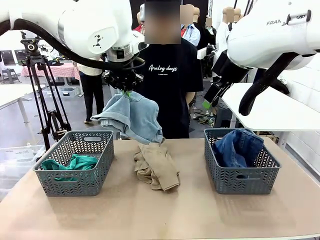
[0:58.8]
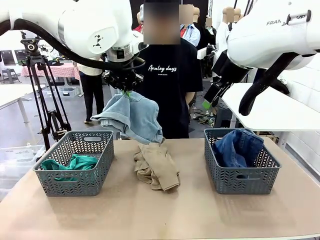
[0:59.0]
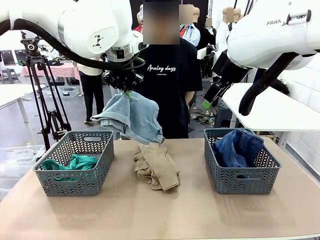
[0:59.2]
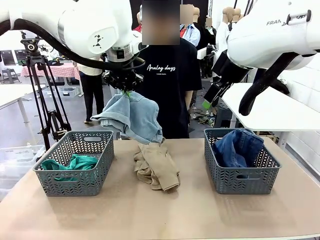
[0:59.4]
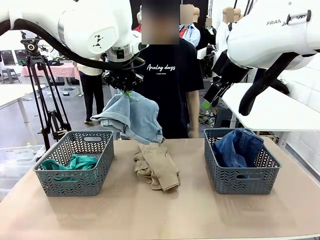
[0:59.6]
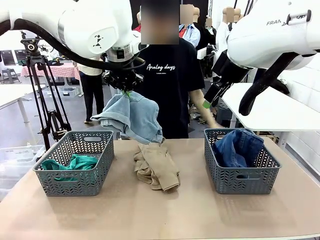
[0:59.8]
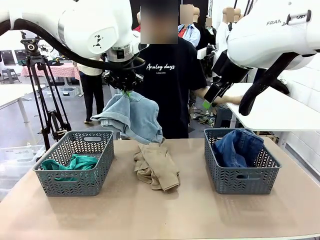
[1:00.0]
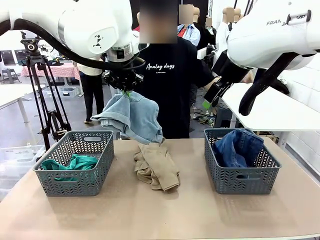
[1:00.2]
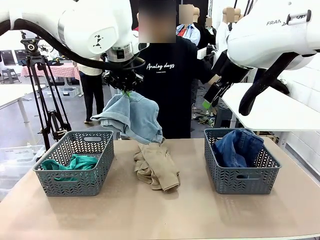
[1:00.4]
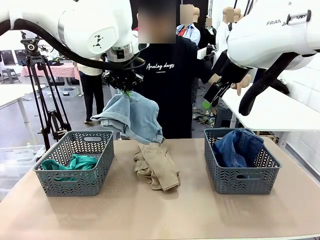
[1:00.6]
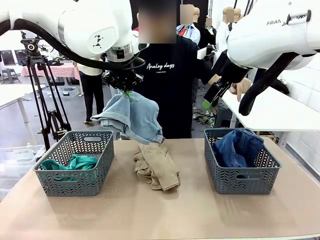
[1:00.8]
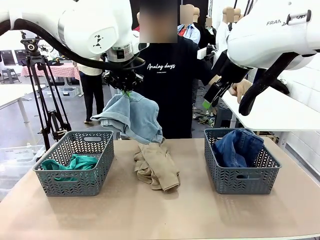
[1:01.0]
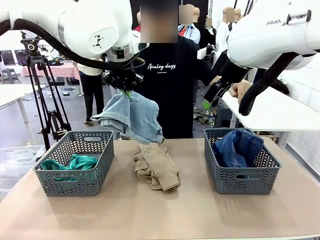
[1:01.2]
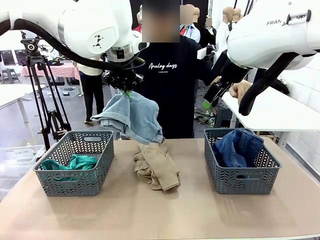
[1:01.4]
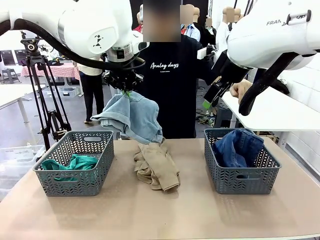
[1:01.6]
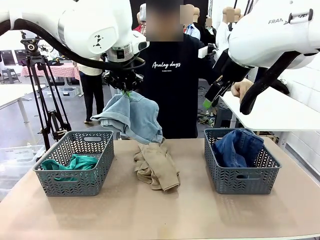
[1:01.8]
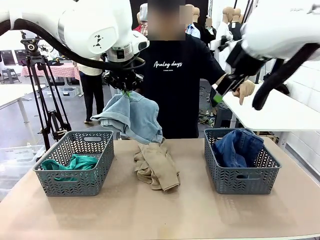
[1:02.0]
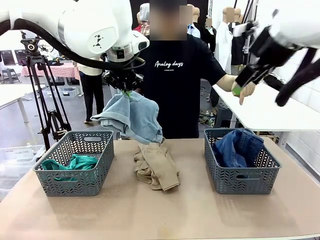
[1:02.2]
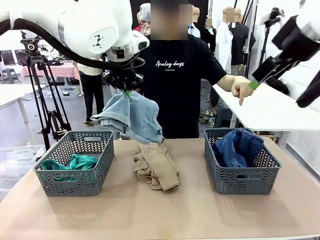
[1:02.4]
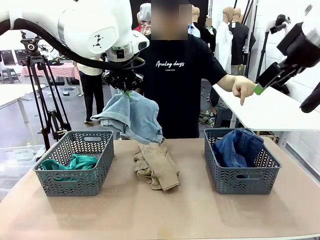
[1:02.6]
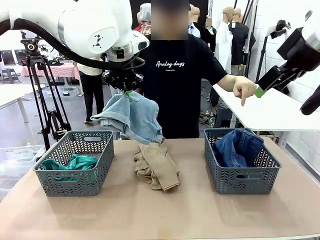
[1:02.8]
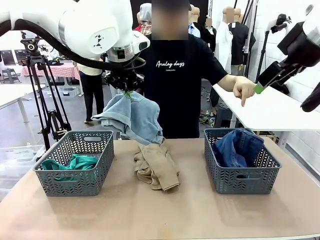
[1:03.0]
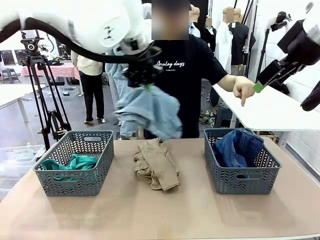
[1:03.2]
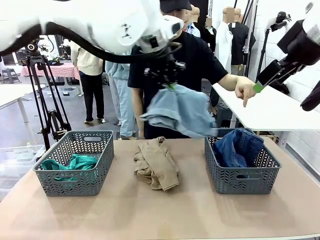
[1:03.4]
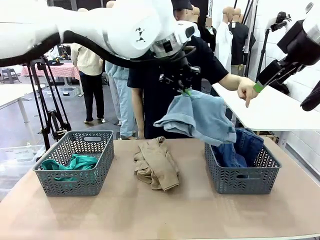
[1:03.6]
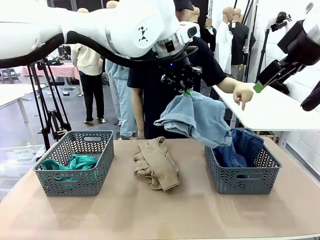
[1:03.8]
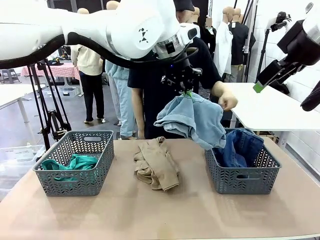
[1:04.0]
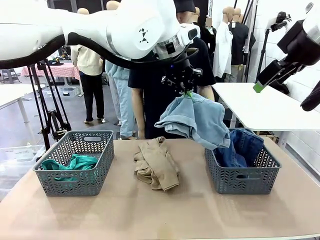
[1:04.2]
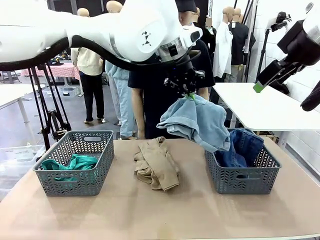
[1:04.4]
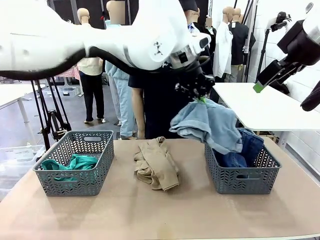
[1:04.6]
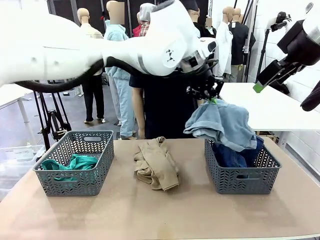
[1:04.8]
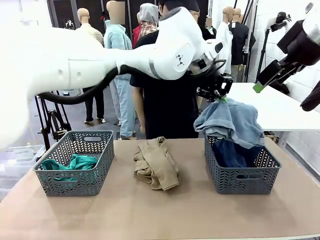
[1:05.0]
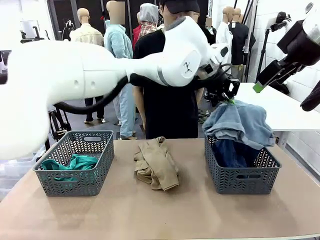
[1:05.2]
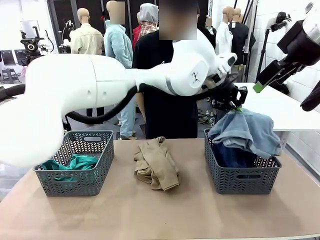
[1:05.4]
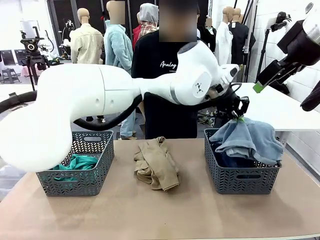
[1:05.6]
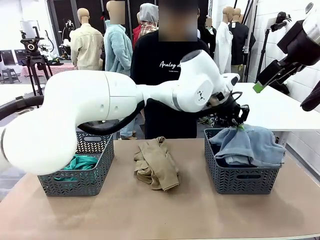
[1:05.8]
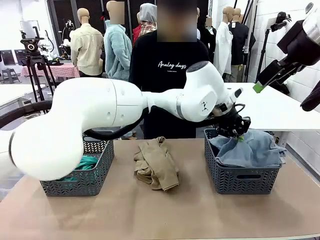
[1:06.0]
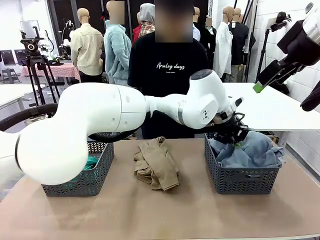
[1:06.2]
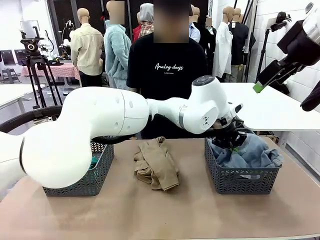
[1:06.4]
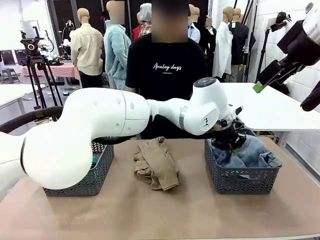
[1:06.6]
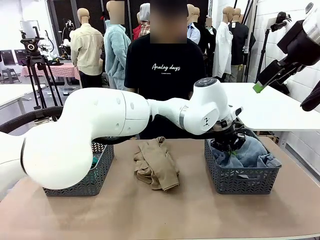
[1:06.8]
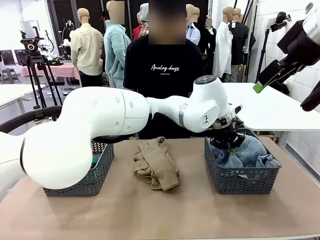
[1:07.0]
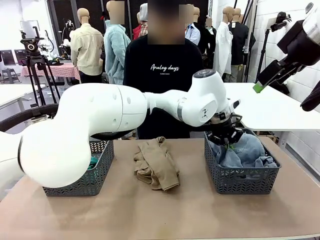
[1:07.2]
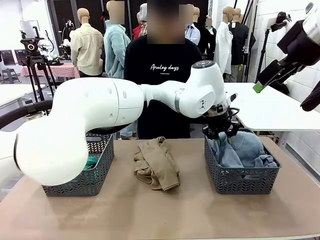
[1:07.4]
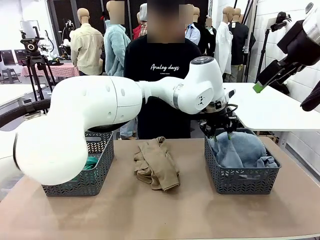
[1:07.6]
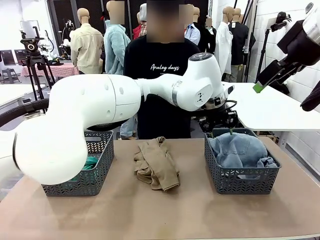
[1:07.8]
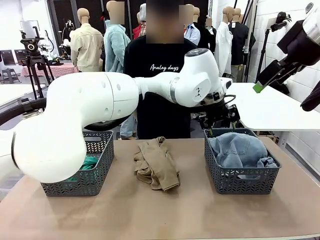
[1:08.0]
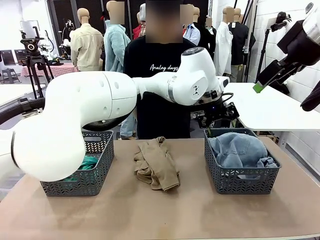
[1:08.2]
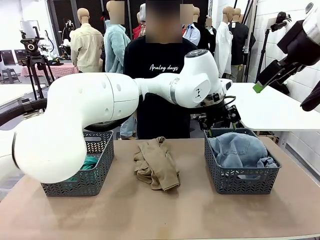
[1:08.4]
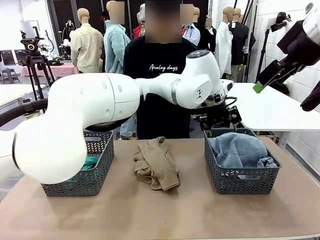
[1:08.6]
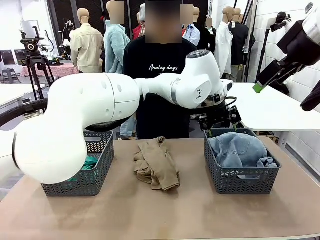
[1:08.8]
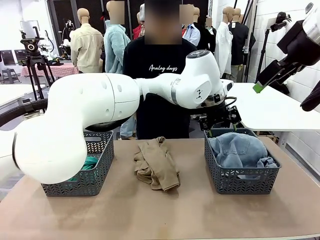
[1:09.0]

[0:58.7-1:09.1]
Task: Sort the tops and bottoms.
Robot: Sort the clothes according to human instructions.

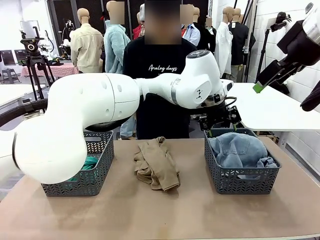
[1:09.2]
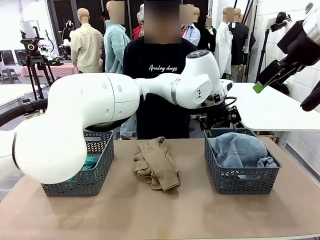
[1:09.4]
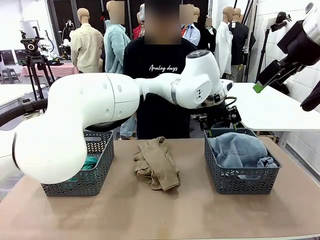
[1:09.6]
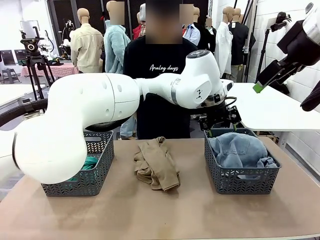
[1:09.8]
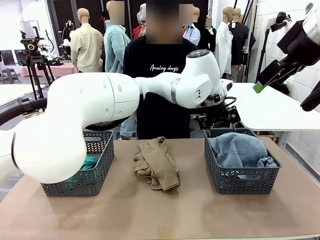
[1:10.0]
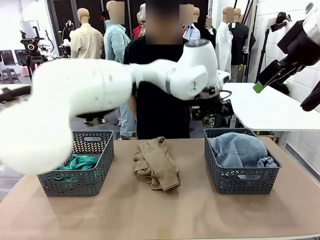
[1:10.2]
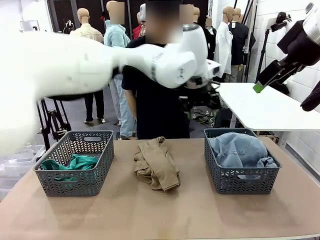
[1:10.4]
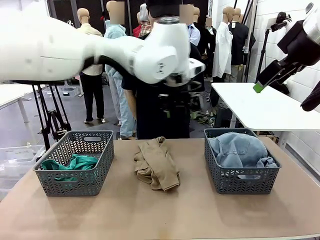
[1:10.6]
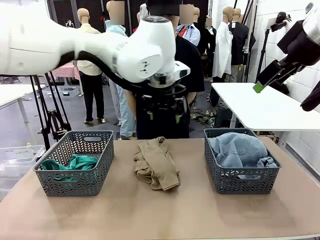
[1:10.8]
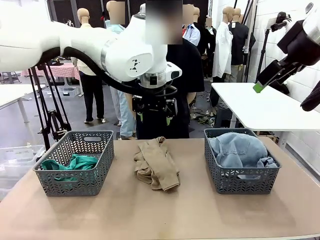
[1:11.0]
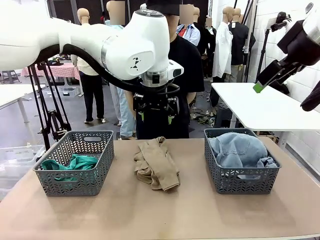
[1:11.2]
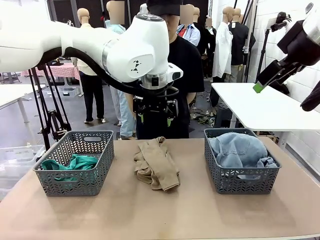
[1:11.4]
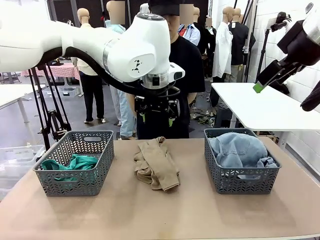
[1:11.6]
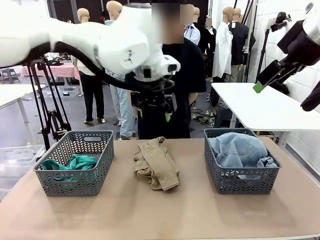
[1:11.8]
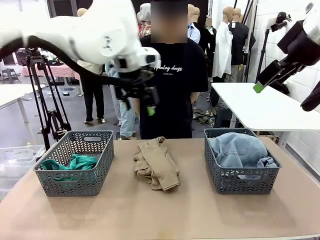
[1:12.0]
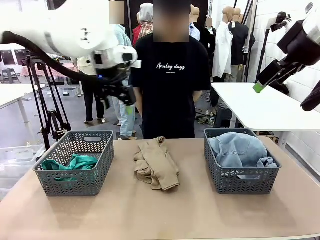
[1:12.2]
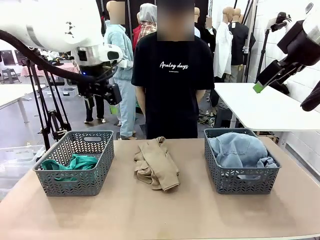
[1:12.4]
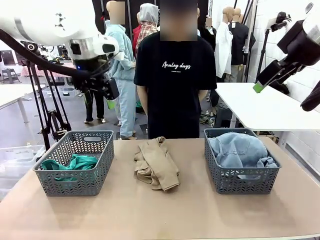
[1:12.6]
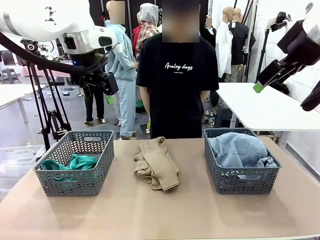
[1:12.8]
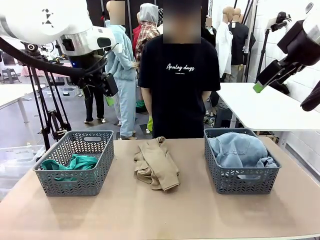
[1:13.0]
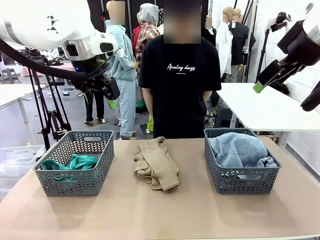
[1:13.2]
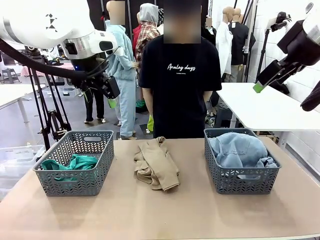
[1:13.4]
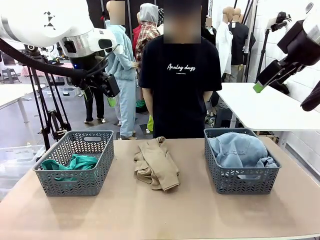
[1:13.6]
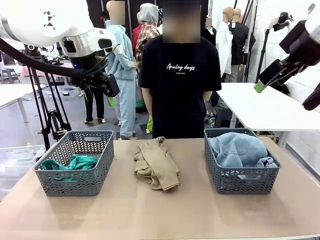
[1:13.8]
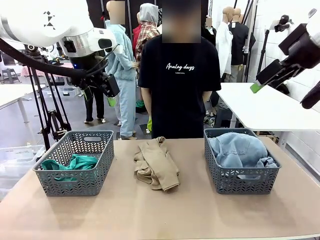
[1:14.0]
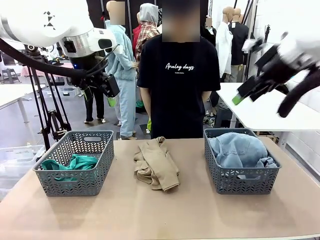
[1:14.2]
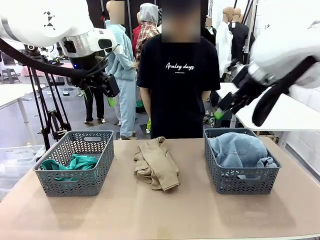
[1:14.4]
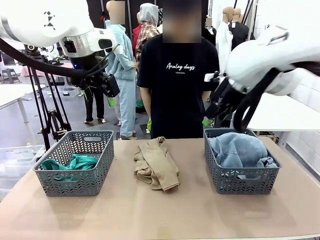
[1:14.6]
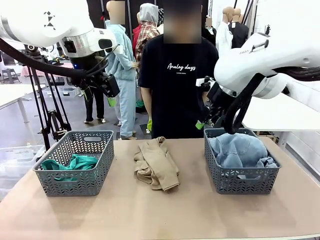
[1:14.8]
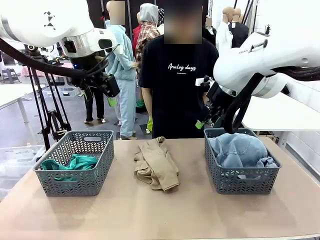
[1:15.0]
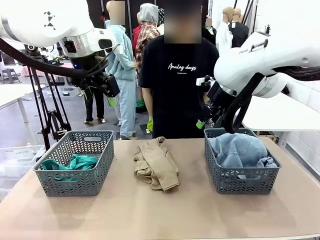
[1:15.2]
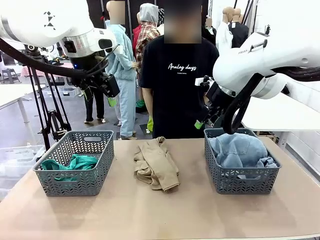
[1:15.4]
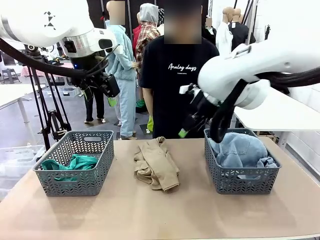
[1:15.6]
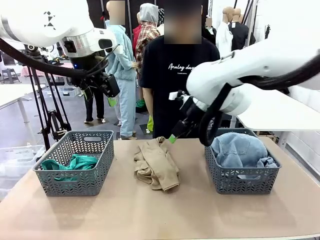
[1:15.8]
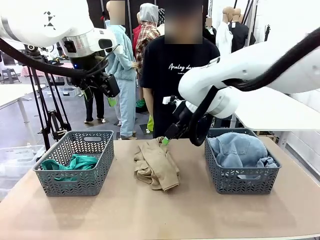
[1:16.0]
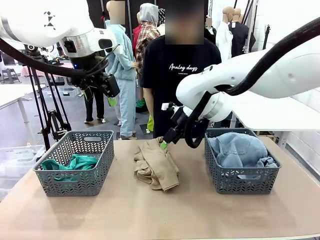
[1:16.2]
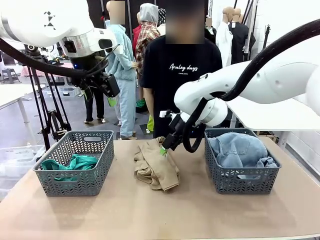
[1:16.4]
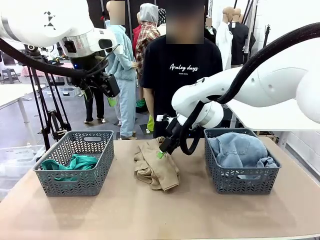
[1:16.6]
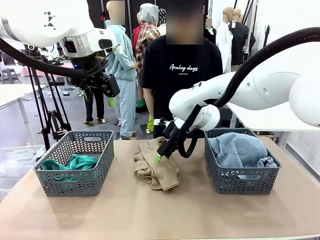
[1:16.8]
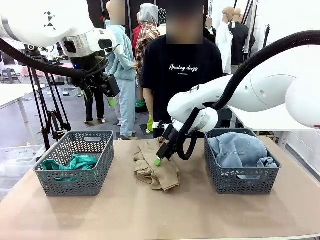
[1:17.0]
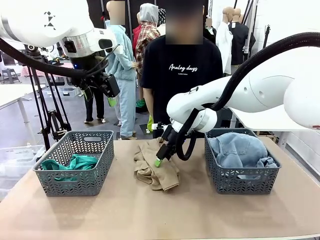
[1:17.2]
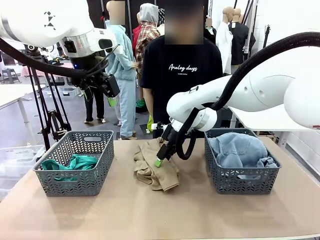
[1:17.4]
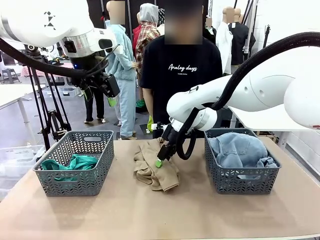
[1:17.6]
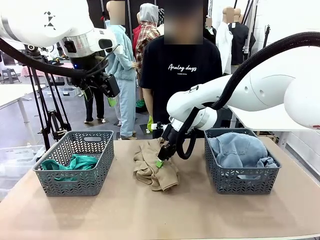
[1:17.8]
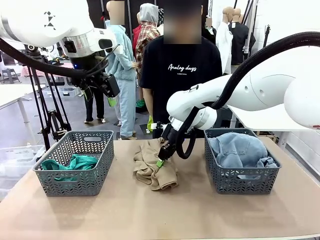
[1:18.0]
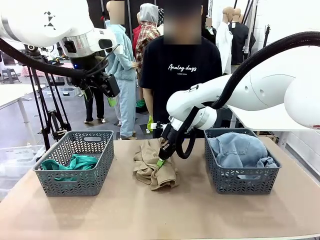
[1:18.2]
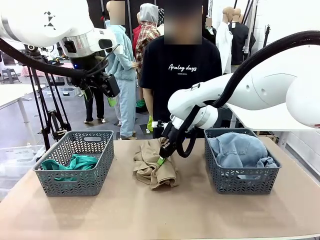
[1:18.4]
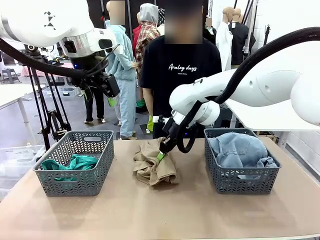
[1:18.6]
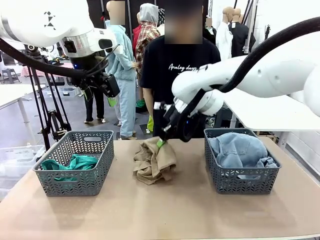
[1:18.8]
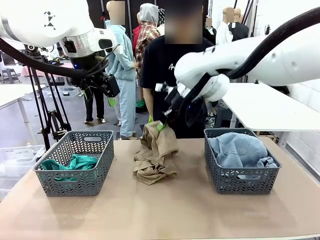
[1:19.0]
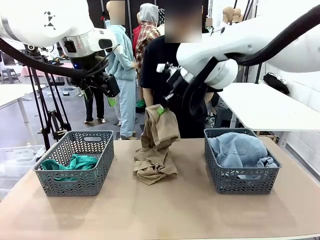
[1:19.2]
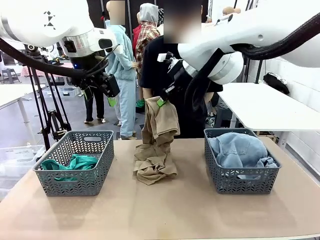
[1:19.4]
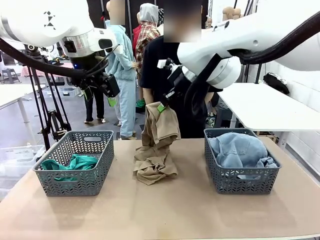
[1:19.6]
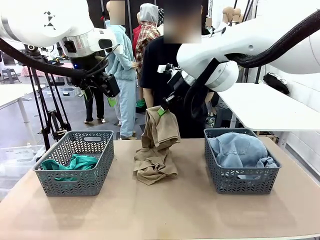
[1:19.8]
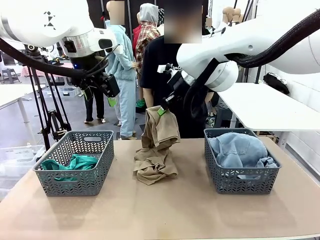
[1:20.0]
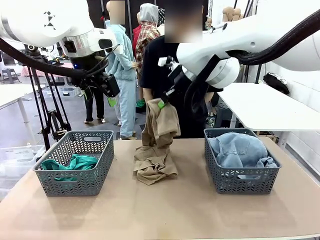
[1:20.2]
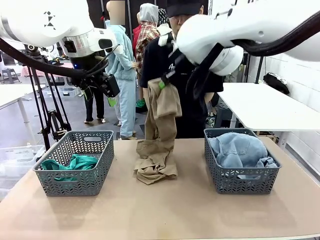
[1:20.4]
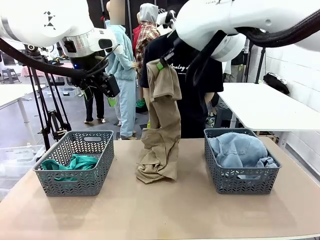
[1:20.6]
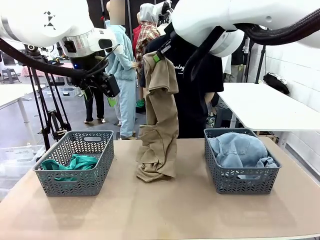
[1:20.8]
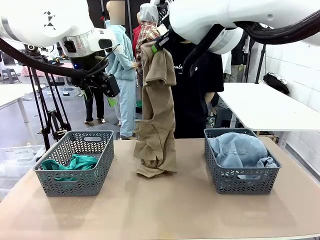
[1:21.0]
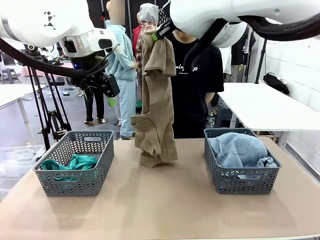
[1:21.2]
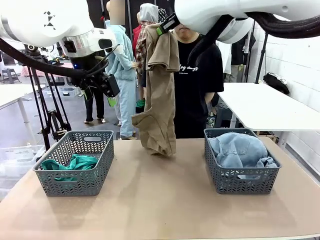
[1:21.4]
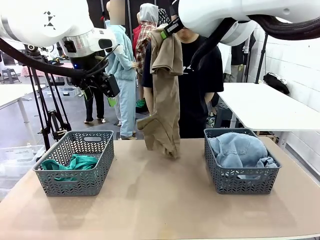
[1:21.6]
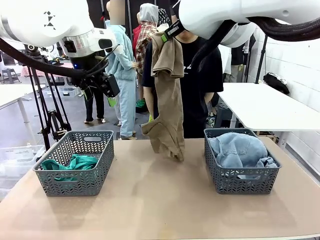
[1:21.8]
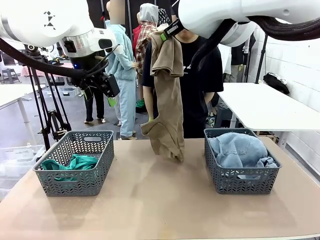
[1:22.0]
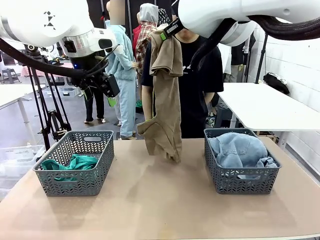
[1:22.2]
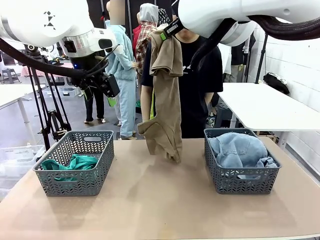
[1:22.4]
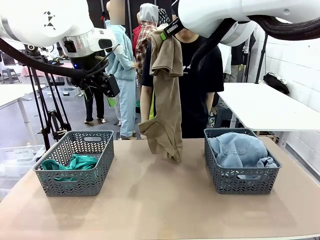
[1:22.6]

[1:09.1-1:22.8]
Robot: Lift clothes from the center of the table with your right hand.
